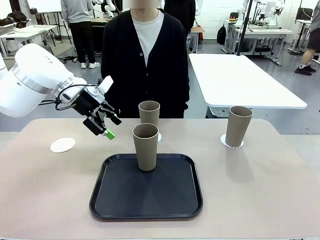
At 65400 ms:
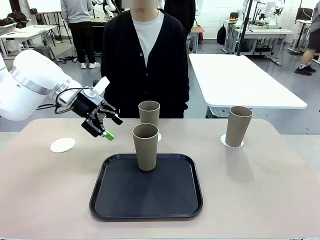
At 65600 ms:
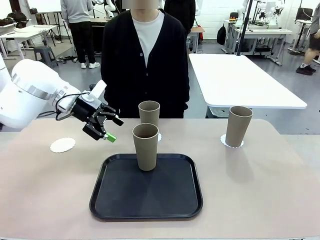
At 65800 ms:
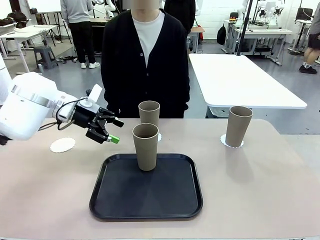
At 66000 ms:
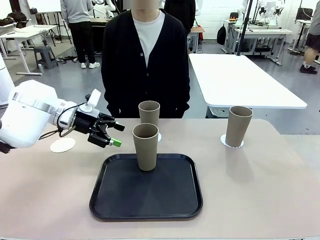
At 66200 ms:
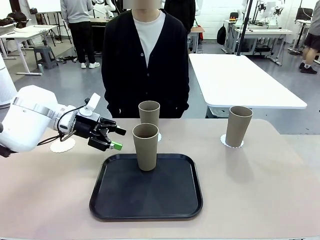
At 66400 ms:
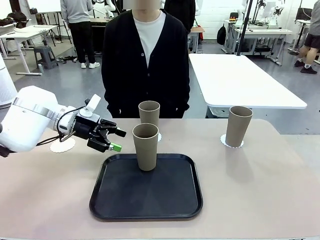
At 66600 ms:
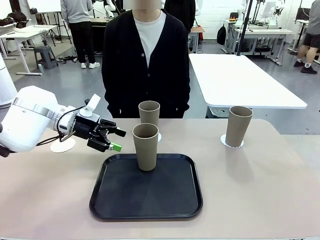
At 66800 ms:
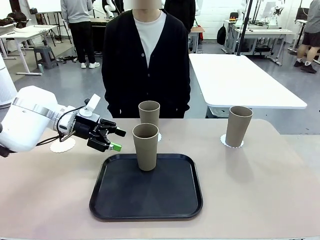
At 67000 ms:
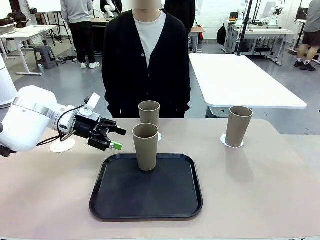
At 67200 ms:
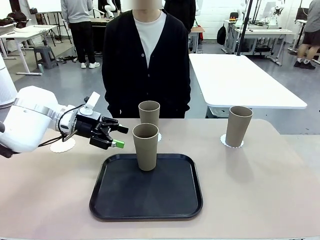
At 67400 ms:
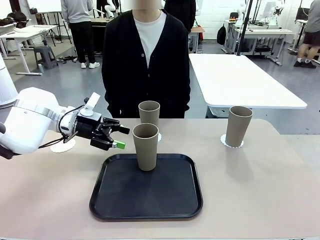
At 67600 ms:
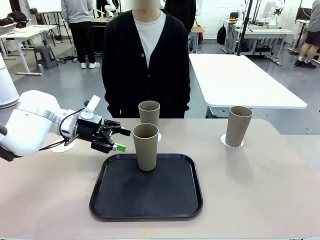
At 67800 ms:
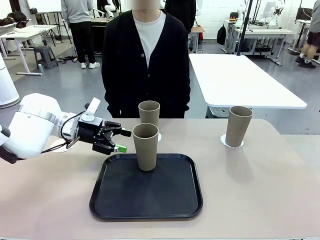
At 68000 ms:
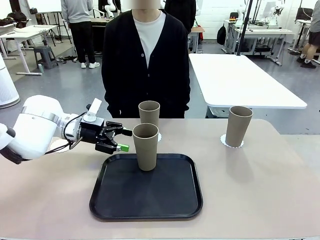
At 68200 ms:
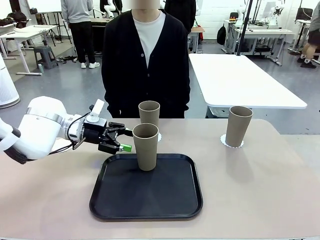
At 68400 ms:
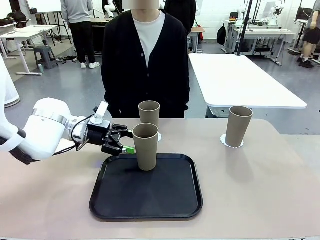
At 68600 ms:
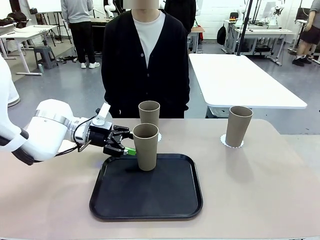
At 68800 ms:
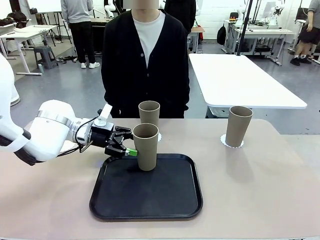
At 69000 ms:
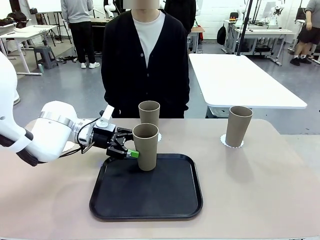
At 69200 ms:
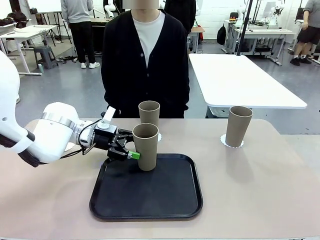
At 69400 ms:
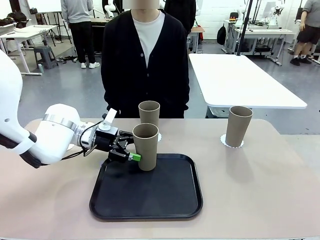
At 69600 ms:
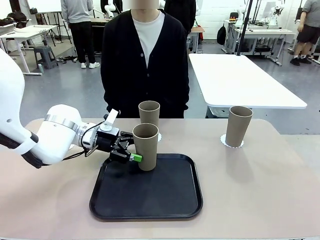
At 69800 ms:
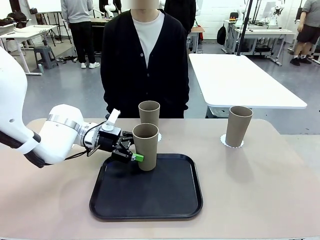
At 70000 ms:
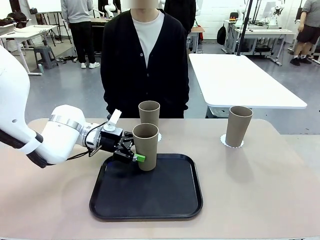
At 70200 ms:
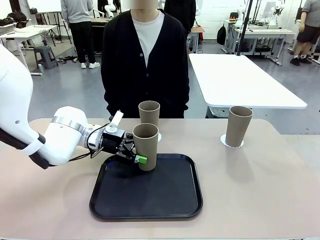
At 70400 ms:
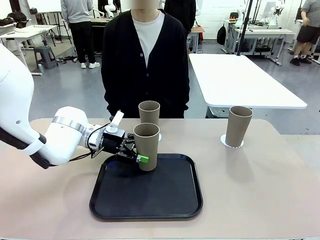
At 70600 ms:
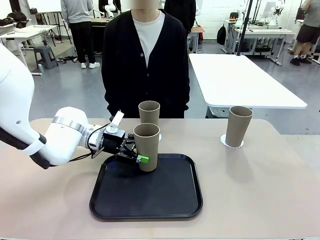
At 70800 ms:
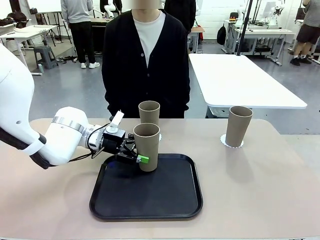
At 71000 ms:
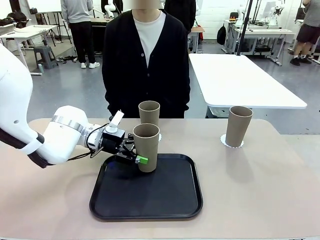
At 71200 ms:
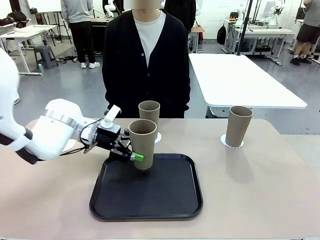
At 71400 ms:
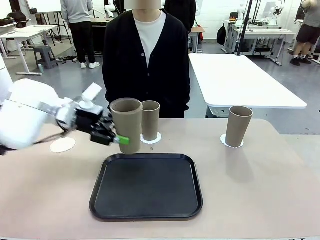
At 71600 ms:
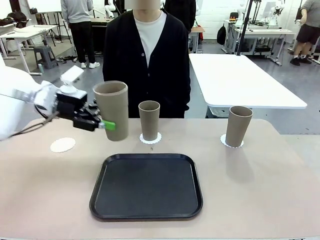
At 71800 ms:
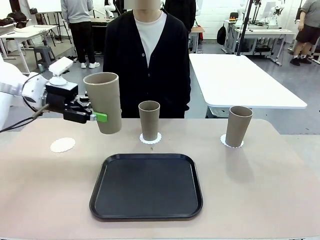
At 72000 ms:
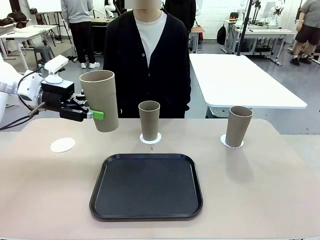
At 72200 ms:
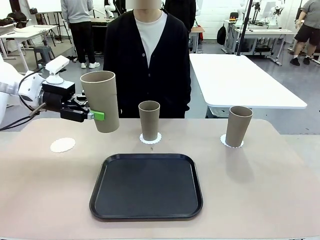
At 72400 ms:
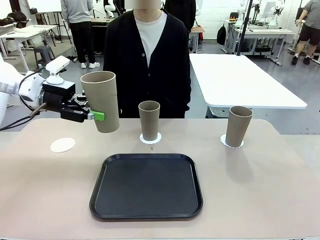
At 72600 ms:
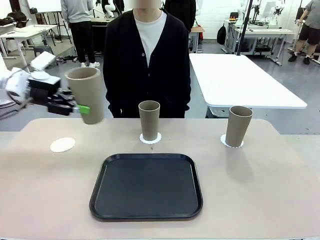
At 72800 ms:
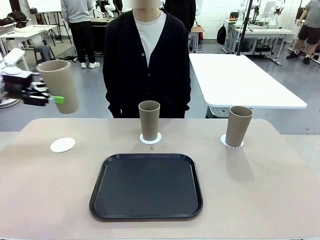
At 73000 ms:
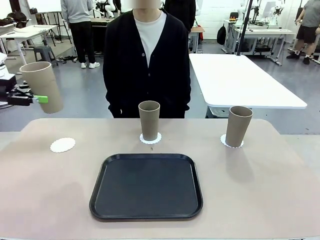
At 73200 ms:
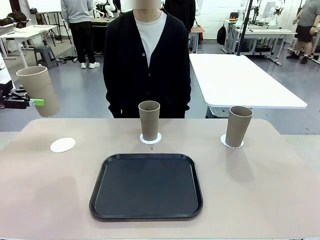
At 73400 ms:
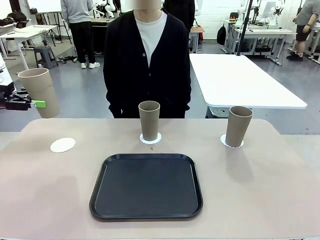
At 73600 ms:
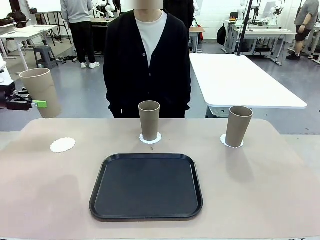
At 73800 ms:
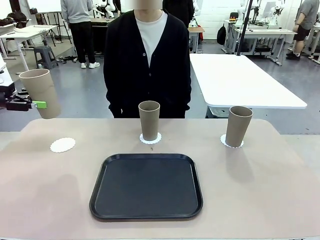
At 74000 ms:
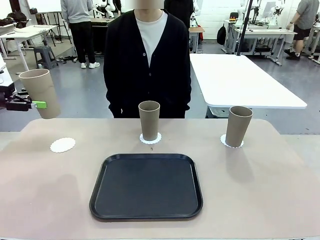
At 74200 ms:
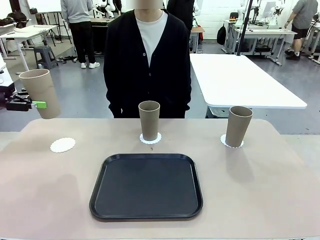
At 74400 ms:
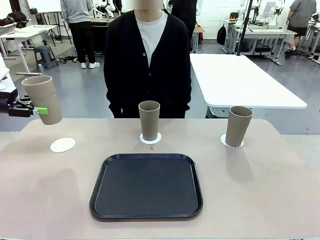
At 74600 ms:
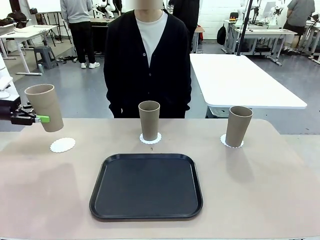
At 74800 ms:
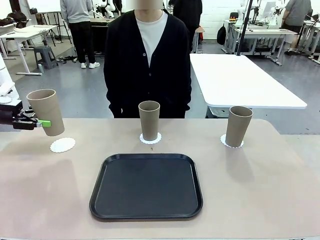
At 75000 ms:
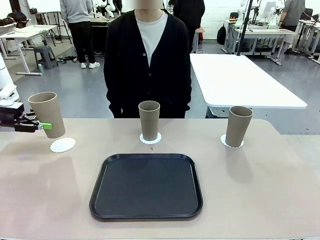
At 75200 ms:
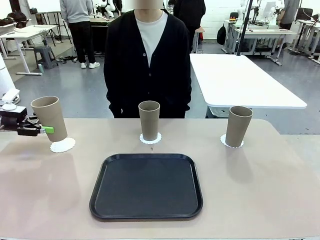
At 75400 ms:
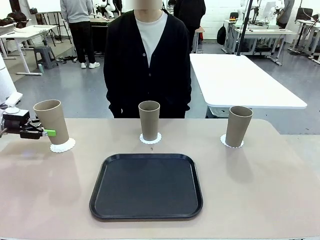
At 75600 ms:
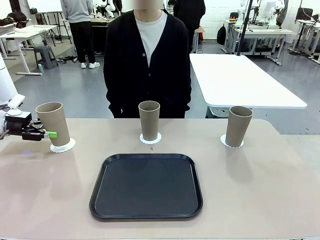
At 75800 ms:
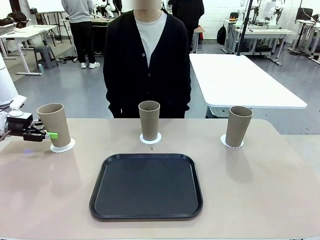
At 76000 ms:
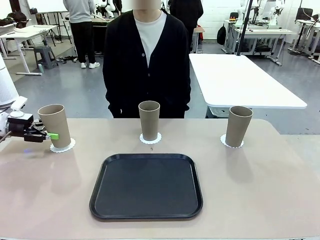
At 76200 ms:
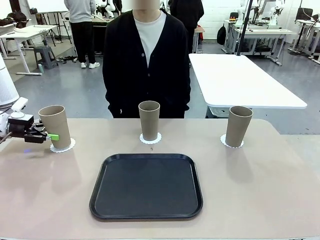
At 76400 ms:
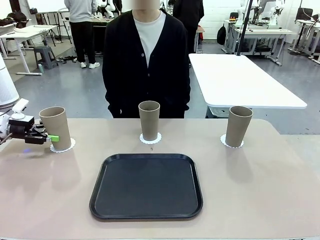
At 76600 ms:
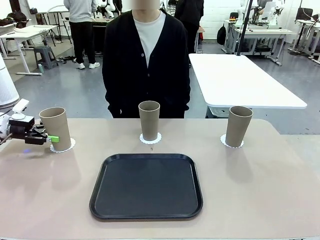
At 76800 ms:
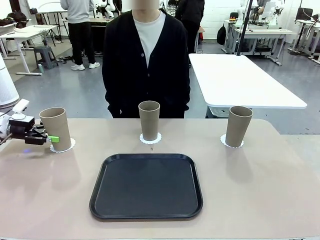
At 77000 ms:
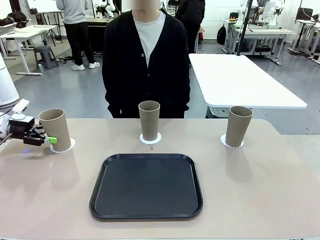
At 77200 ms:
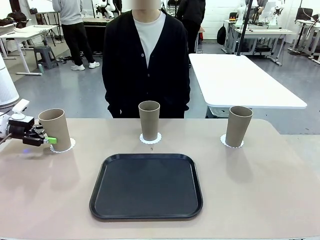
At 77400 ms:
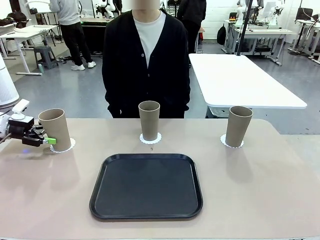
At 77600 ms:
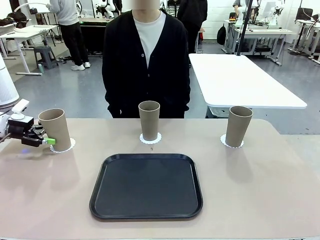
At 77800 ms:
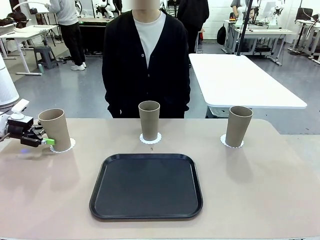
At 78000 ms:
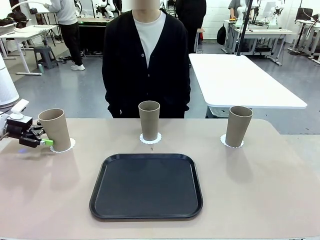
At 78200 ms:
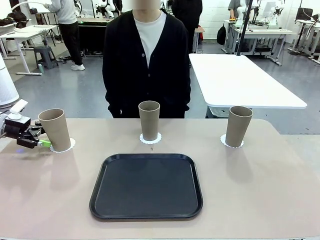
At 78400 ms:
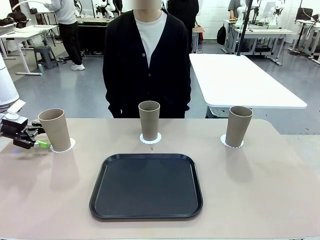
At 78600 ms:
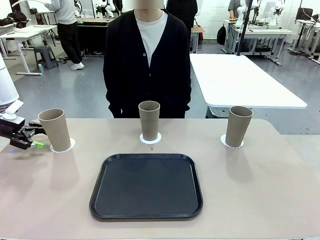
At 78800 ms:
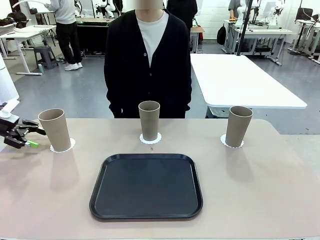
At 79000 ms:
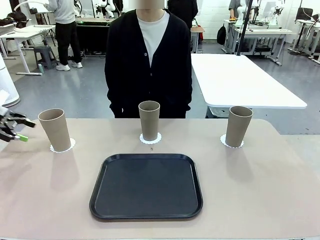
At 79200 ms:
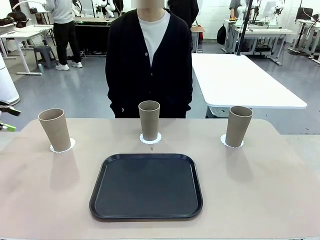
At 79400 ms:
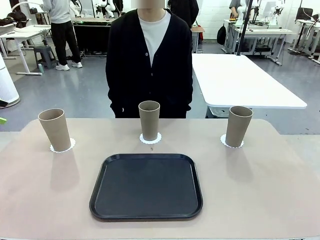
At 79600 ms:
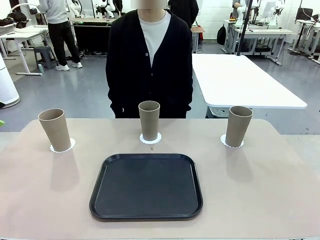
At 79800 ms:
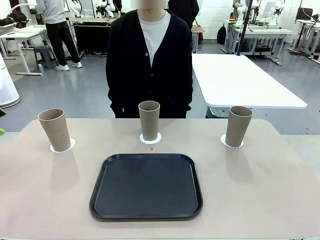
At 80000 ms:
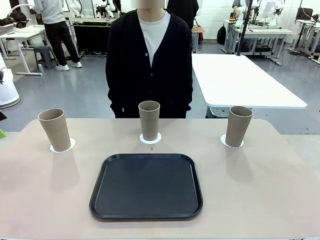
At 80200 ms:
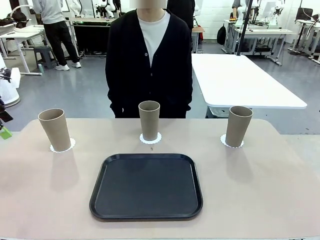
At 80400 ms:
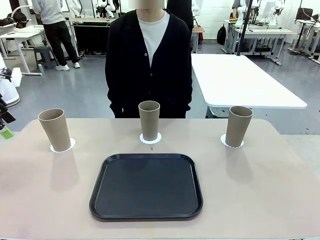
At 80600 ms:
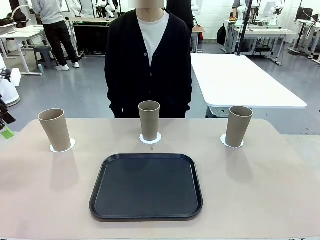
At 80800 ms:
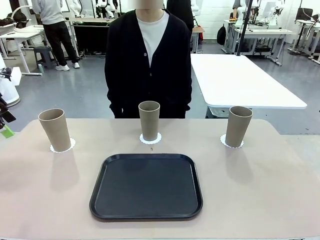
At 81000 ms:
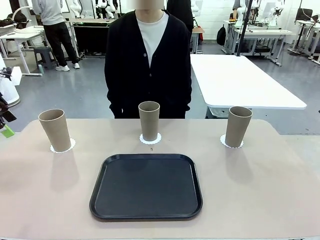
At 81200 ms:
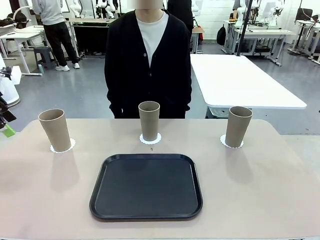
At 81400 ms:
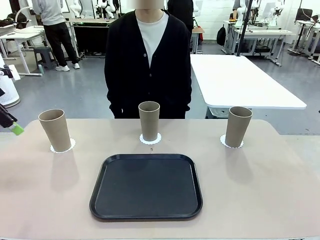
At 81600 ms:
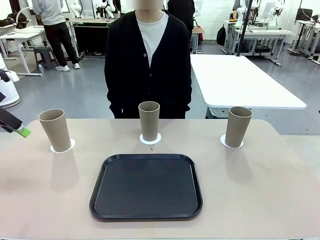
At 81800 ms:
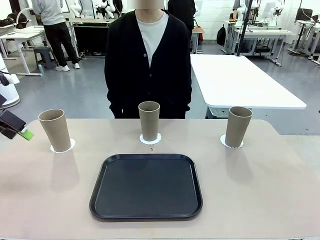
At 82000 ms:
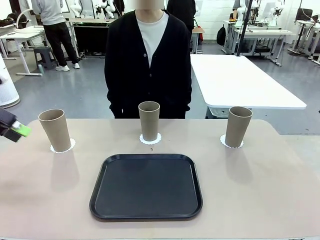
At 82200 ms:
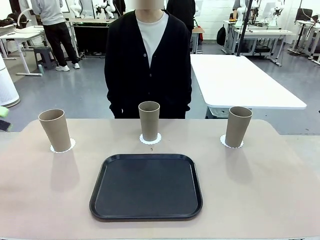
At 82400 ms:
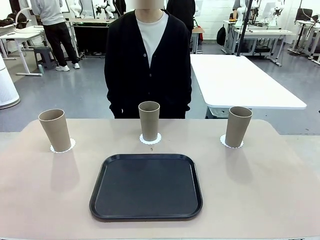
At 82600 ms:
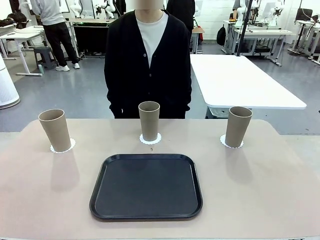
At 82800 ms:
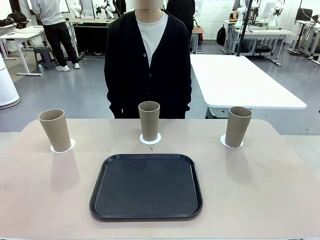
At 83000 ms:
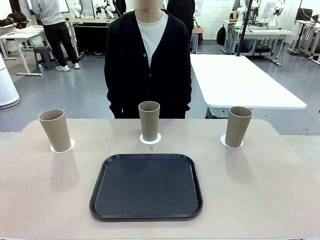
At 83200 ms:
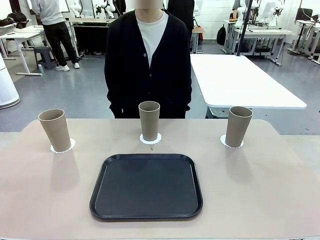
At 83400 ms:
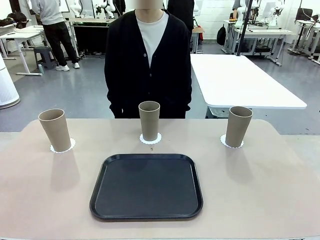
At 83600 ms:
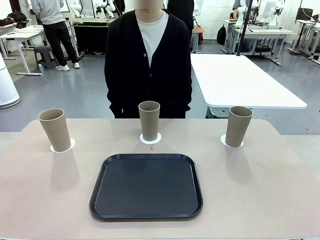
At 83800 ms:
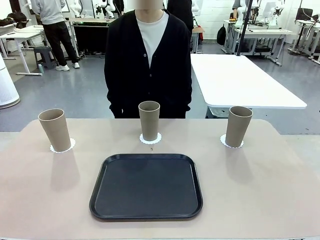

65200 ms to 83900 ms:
Task: Place coasters on the table and set cups on them.
Robot: Take one Reusable plastic cup from the Flat Tray and place it on a coaster set by the human.
